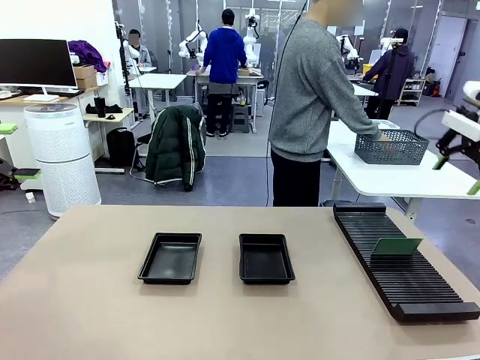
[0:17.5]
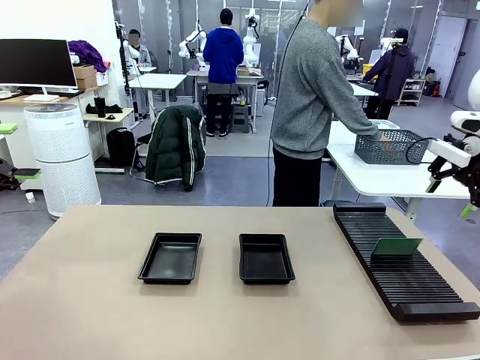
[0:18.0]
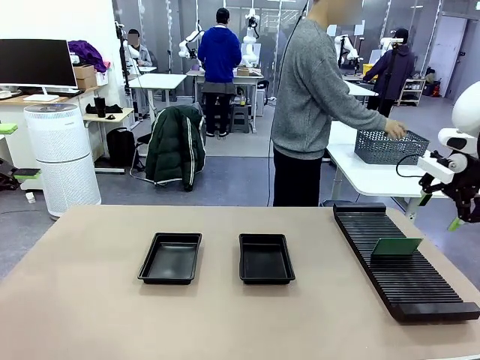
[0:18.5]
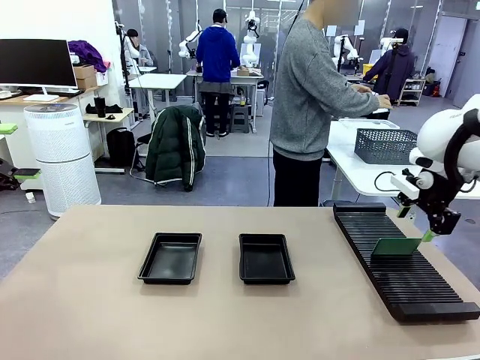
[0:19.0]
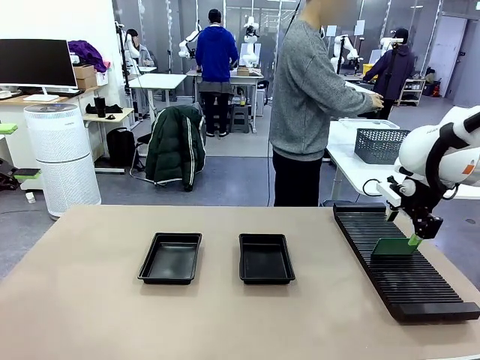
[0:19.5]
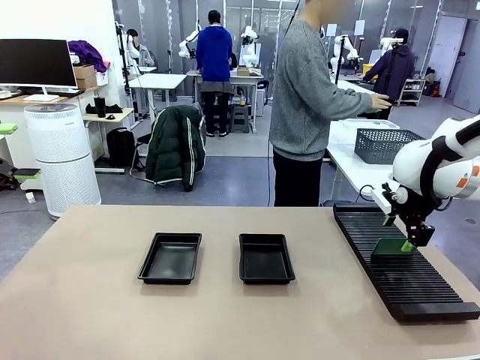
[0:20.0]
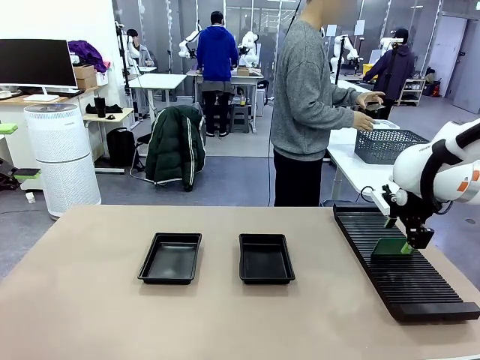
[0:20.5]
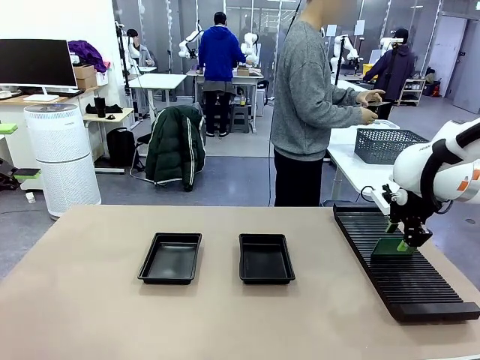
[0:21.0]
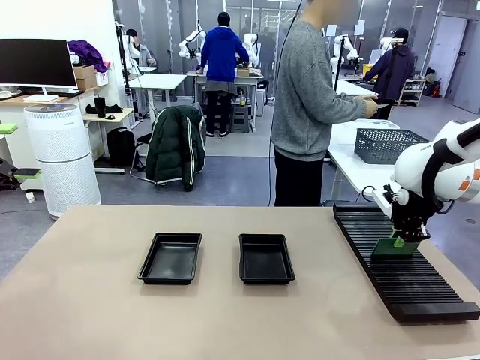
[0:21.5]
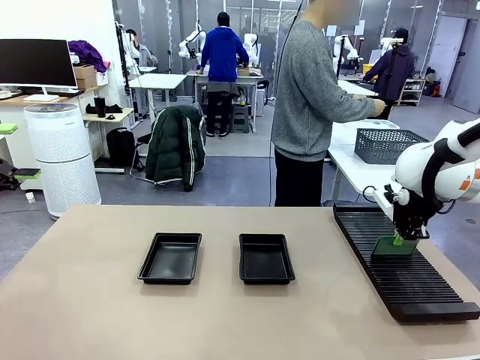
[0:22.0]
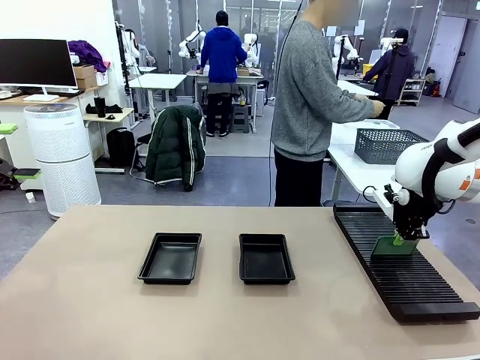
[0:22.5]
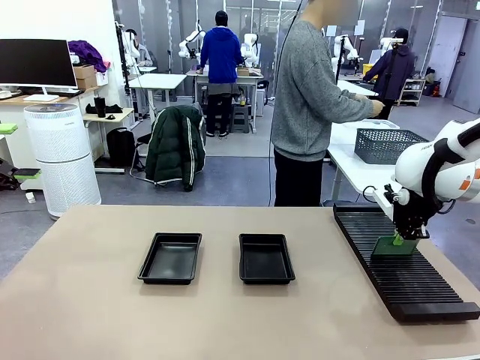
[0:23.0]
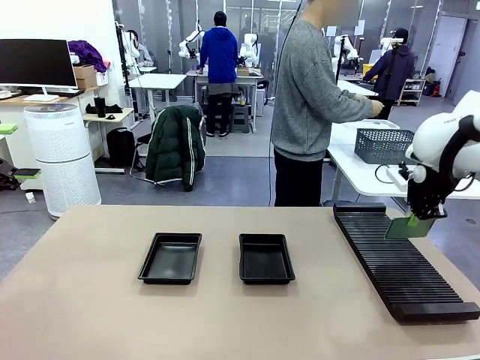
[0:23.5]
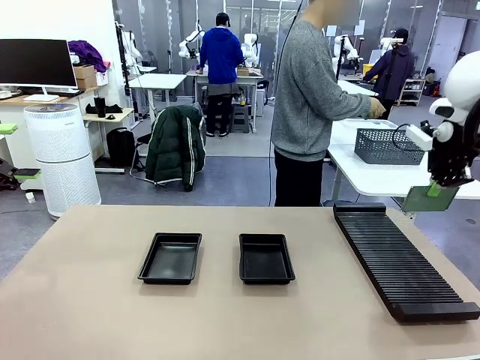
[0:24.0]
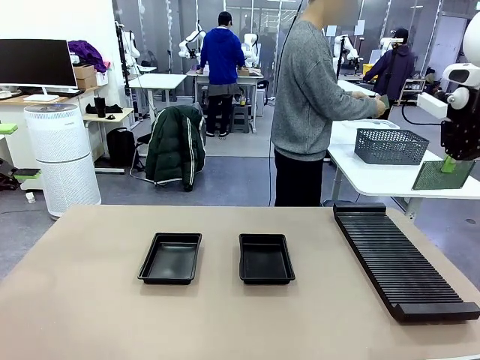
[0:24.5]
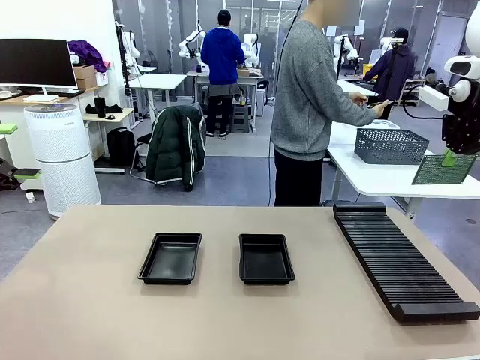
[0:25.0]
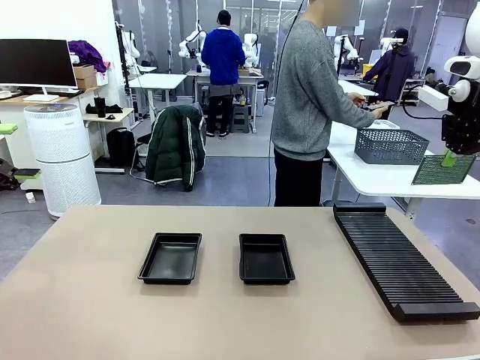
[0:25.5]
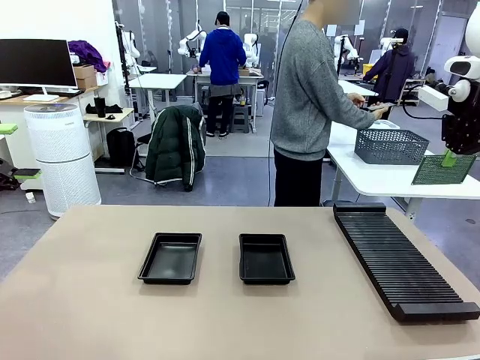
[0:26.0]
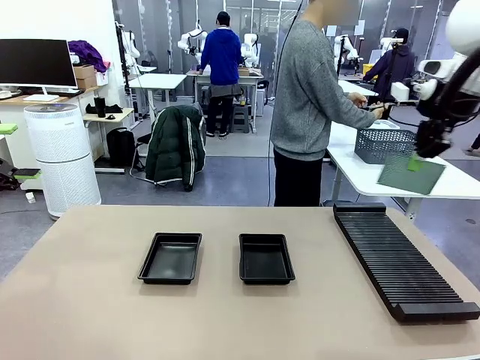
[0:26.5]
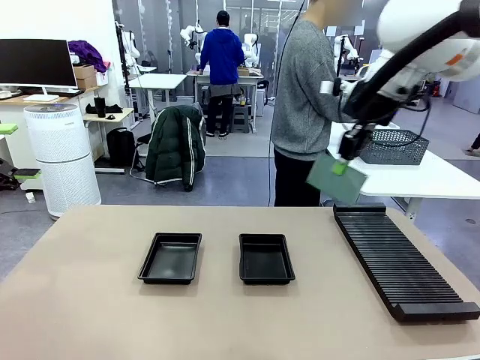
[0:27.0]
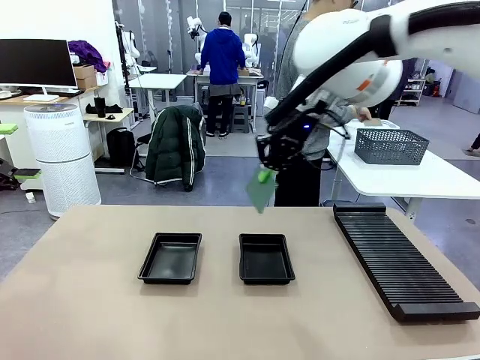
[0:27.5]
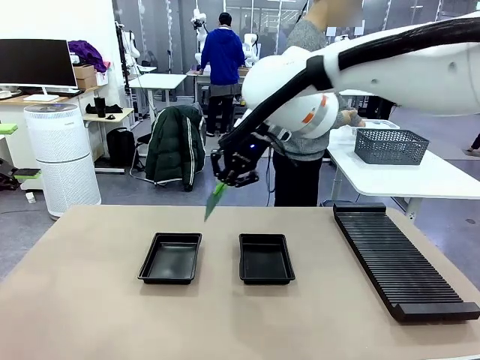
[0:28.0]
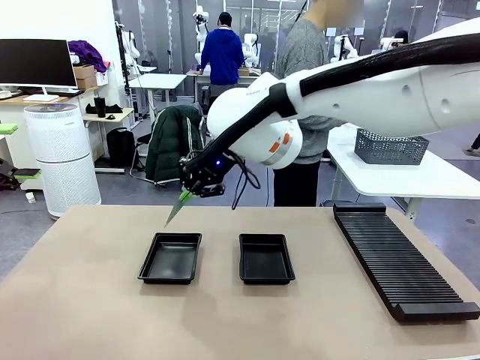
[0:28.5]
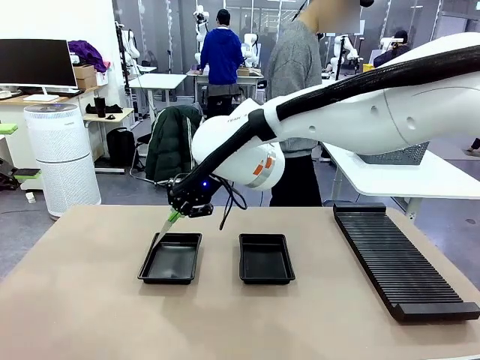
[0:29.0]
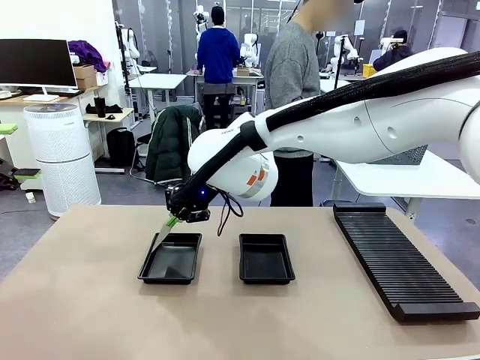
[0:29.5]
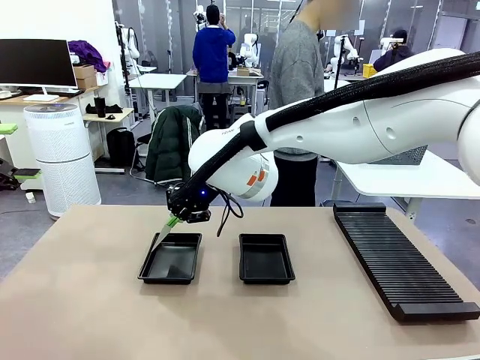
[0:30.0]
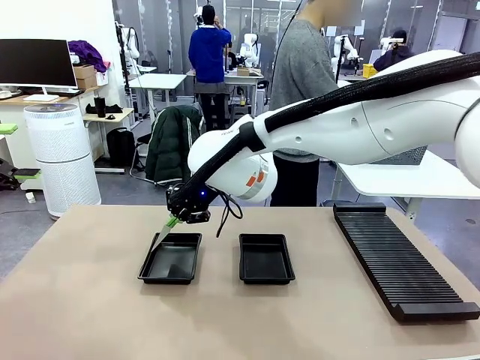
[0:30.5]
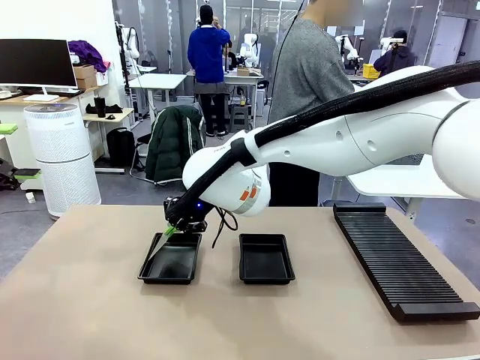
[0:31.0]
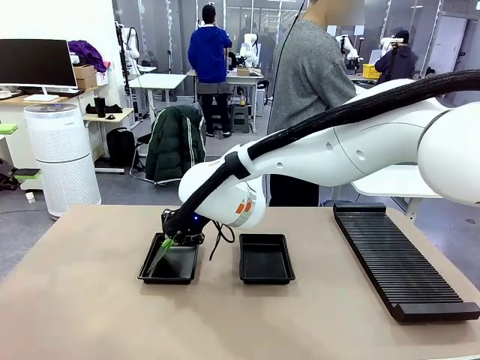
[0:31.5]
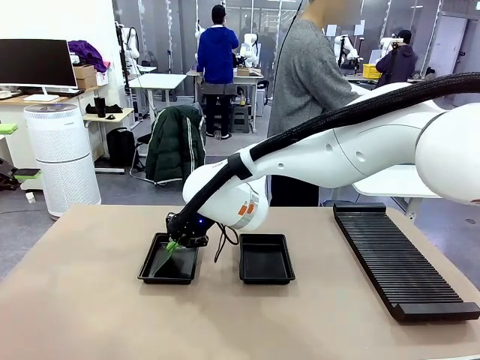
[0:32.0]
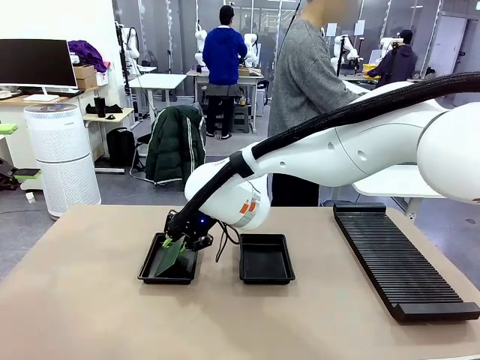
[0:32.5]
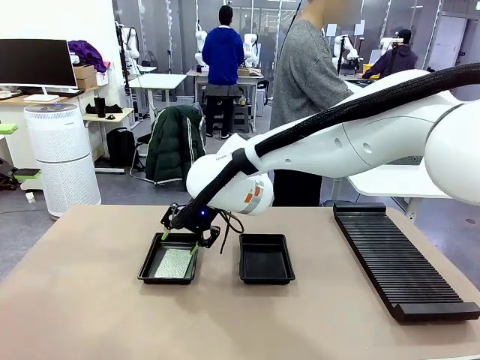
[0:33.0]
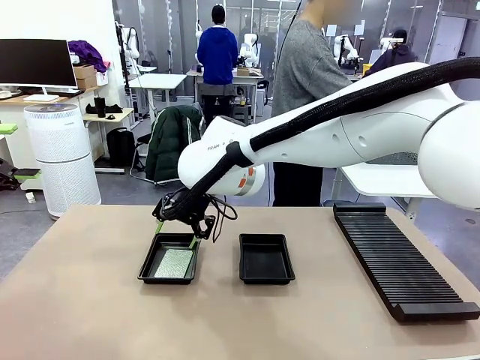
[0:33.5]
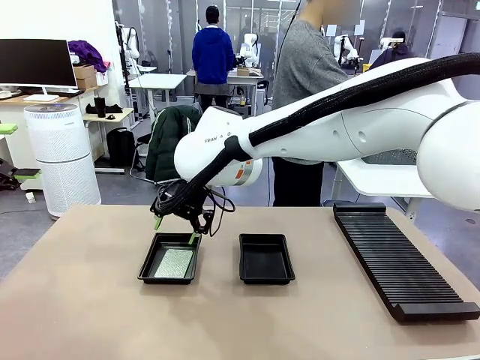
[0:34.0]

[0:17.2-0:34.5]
Task: Inspect and transfer BCBs to ESD trays.
Robot: Pick up the Blank PCB from the PCB Rack and place it in the left ESD tray.

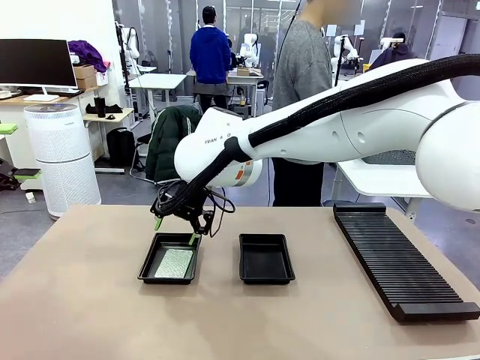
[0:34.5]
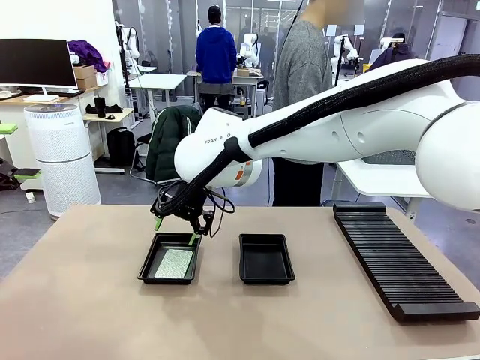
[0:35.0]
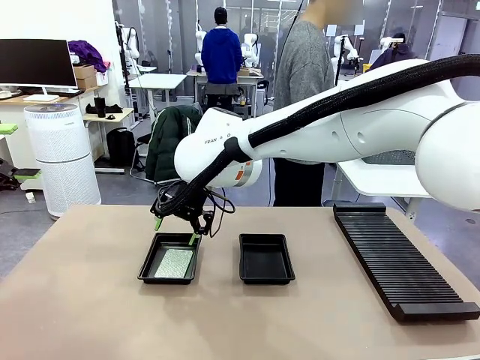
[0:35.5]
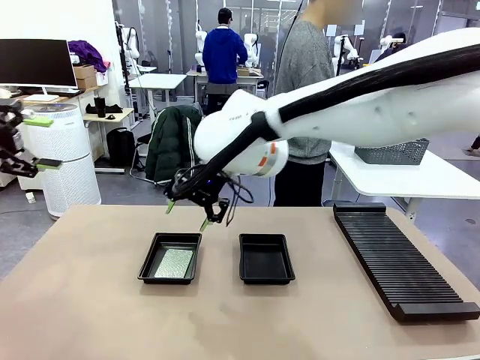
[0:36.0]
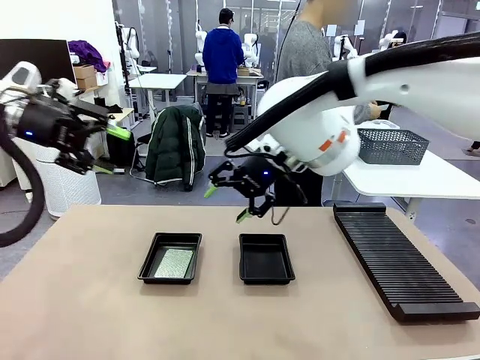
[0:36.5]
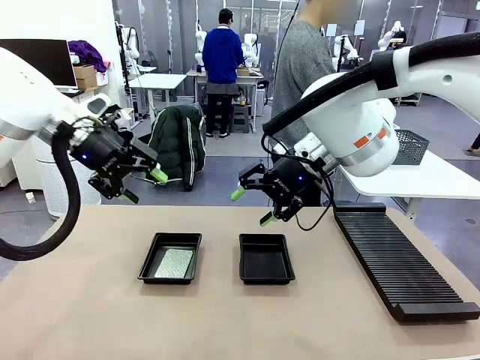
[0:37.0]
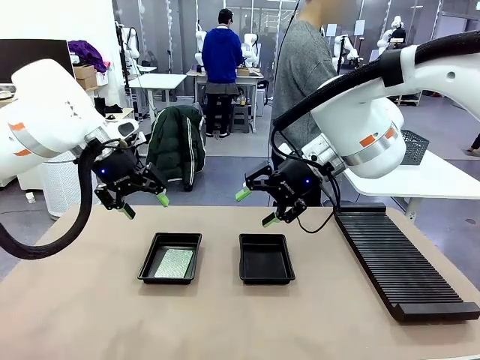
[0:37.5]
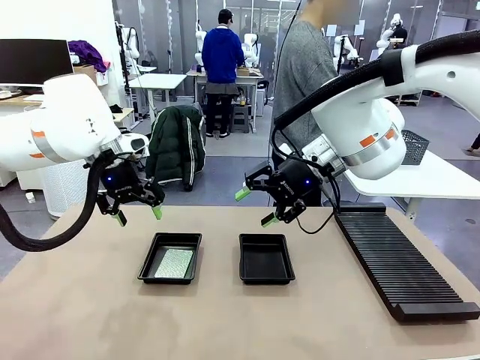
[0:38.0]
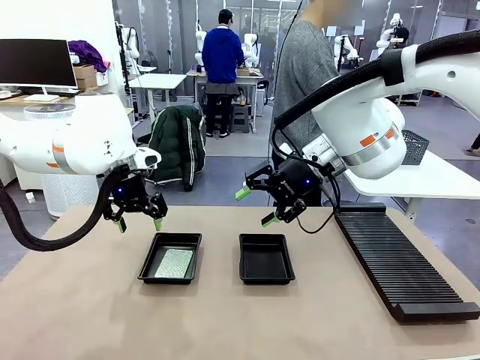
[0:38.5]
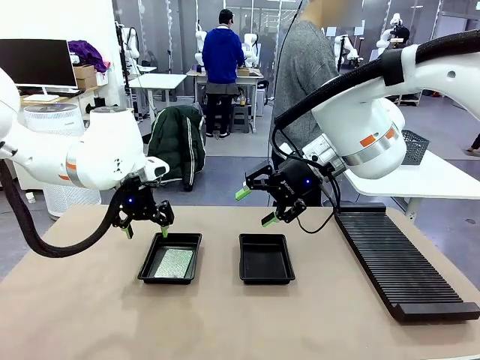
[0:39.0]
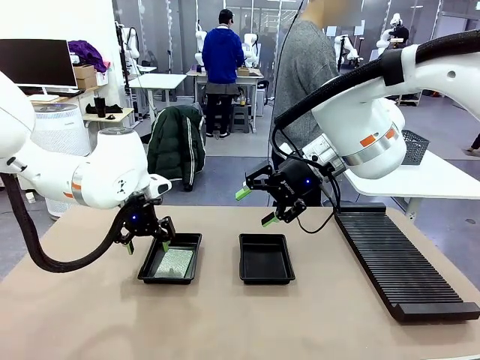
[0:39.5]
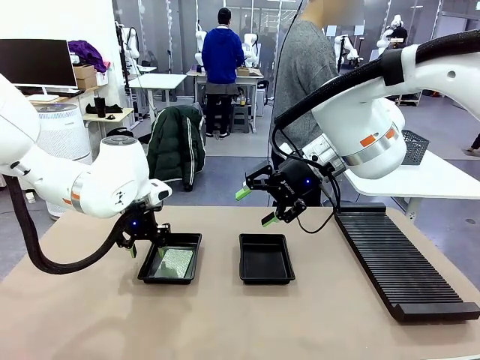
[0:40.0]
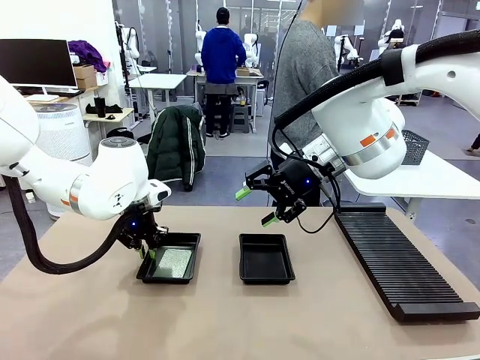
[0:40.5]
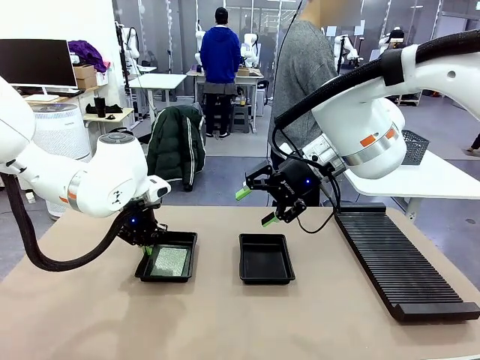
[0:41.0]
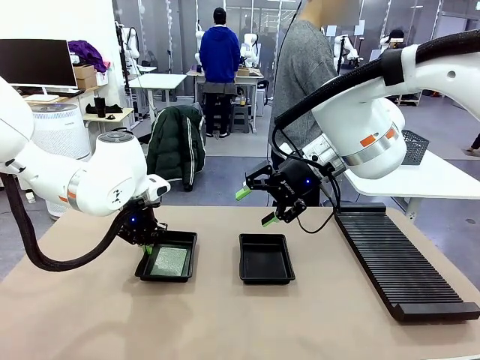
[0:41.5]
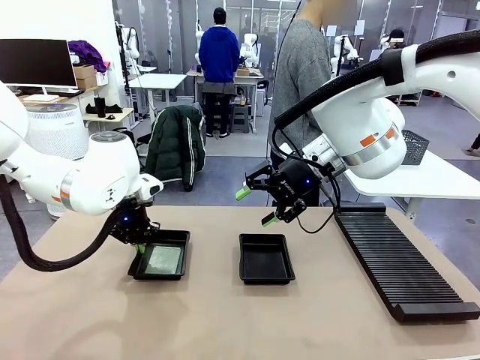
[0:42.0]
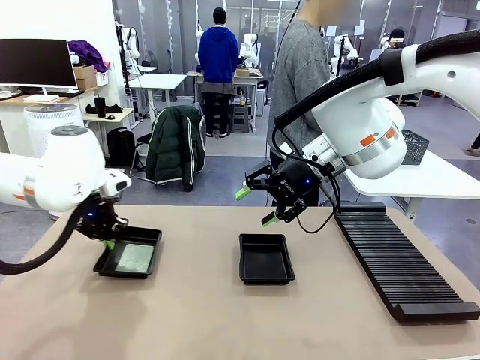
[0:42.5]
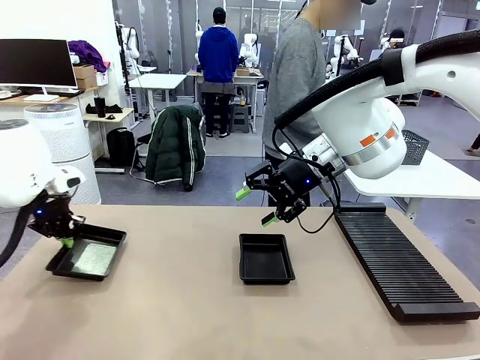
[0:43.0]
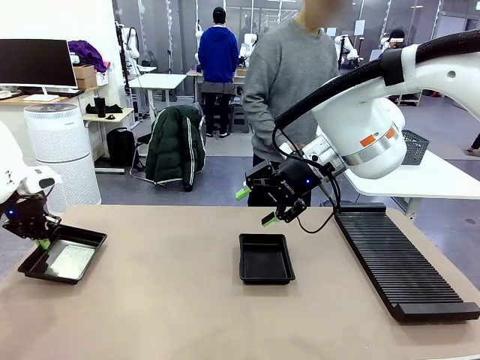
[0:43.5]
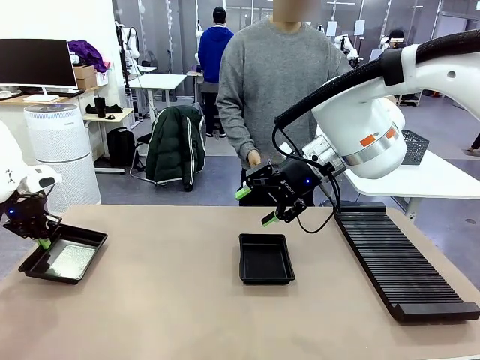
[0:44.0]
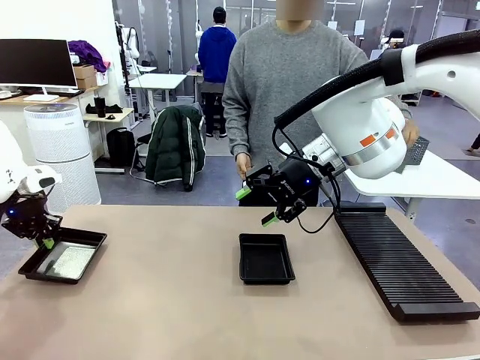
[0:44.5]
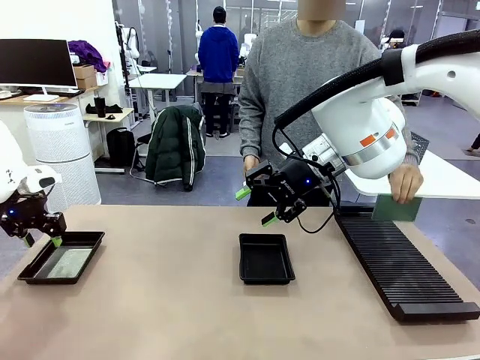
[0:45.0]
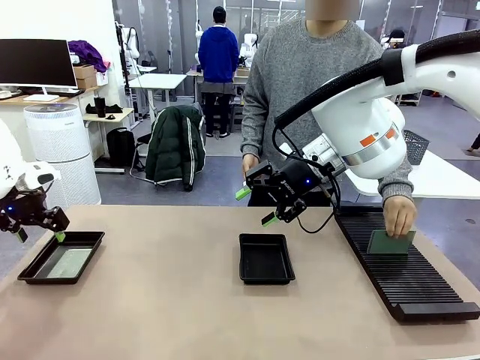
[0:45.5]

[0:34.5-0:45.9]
Robot: Pick up the ESD tray and place it on the left side of the table.
